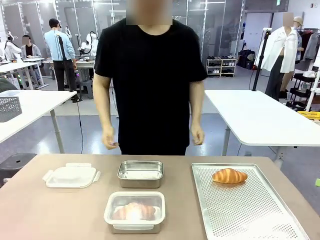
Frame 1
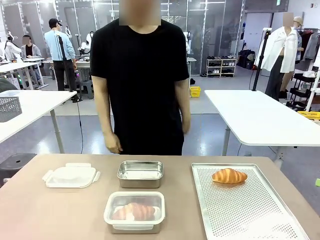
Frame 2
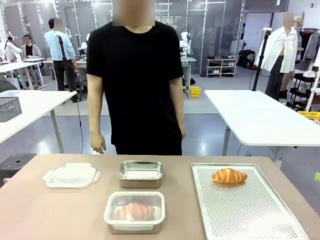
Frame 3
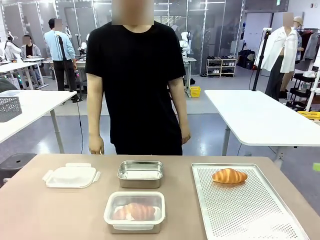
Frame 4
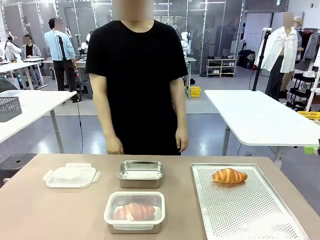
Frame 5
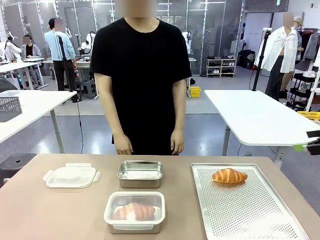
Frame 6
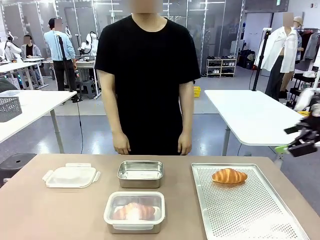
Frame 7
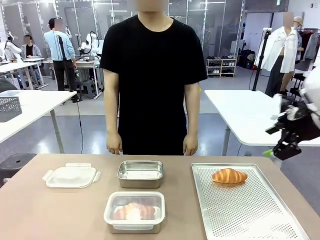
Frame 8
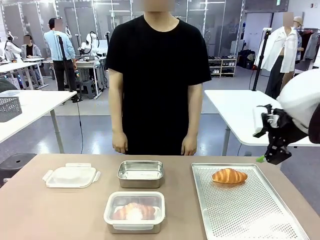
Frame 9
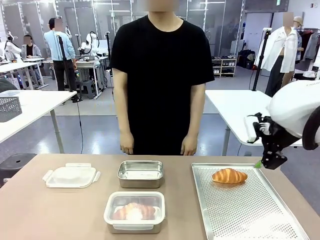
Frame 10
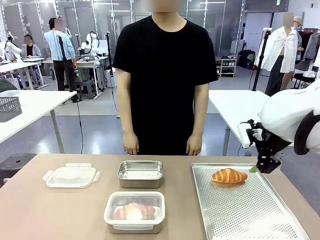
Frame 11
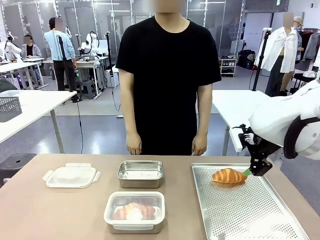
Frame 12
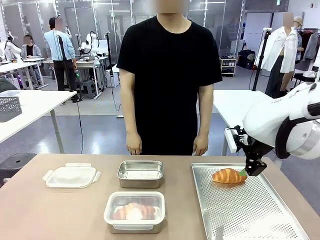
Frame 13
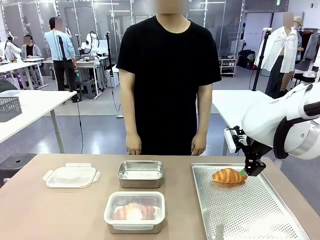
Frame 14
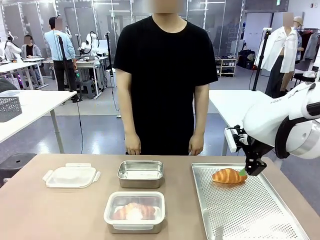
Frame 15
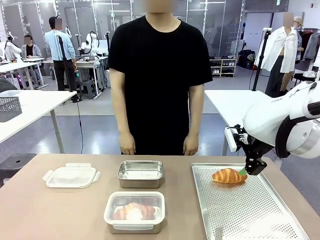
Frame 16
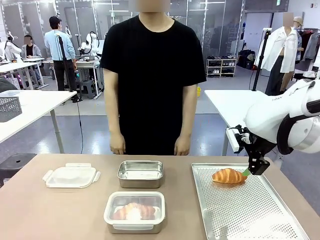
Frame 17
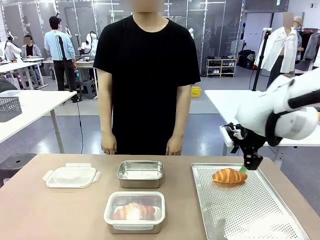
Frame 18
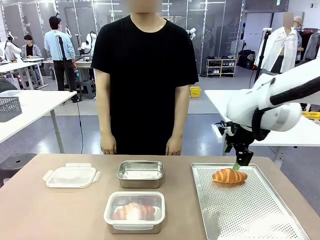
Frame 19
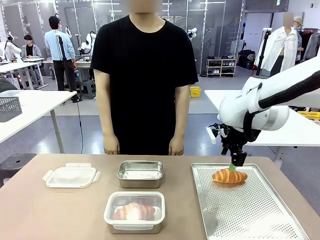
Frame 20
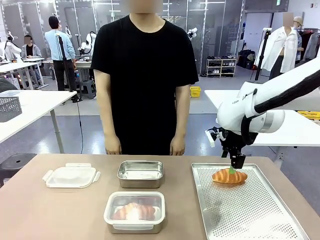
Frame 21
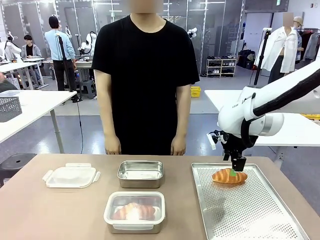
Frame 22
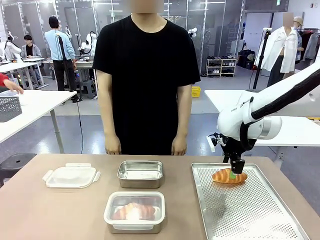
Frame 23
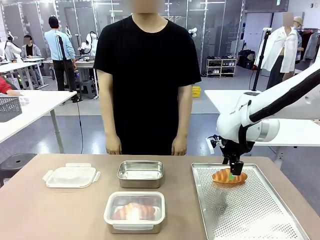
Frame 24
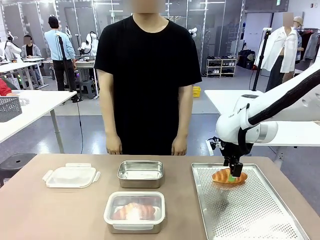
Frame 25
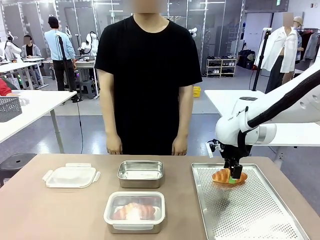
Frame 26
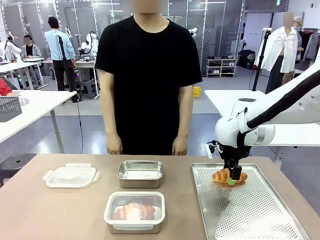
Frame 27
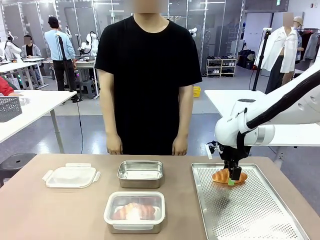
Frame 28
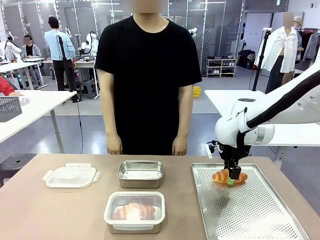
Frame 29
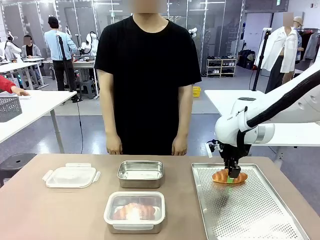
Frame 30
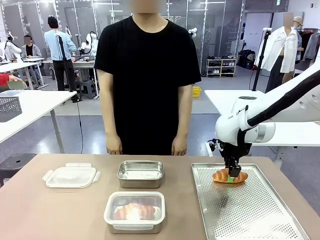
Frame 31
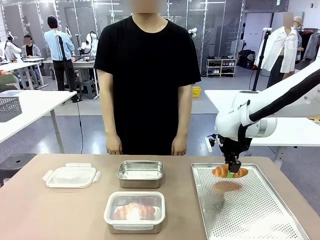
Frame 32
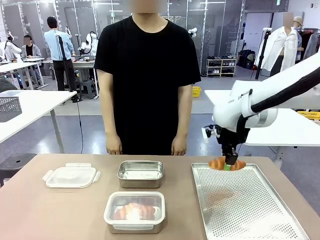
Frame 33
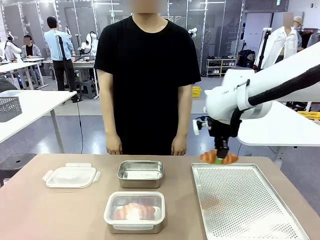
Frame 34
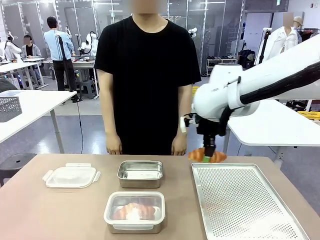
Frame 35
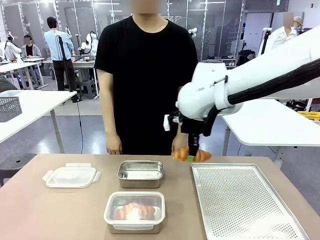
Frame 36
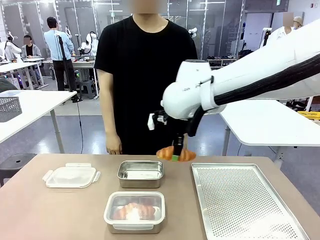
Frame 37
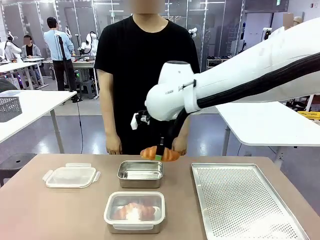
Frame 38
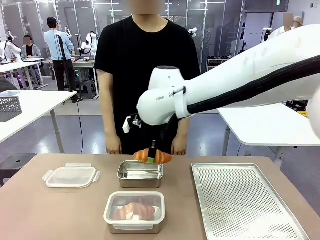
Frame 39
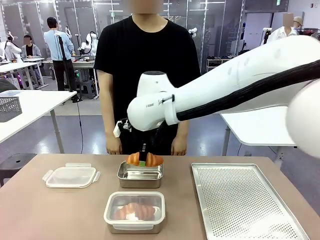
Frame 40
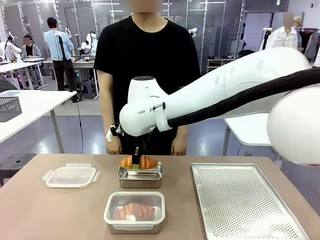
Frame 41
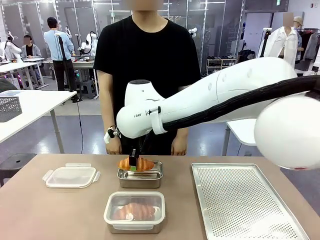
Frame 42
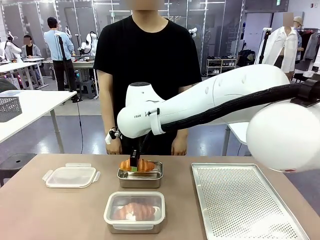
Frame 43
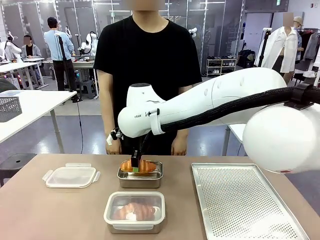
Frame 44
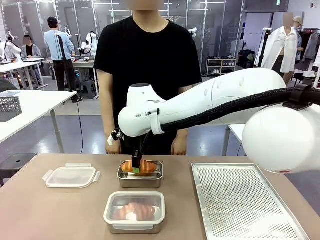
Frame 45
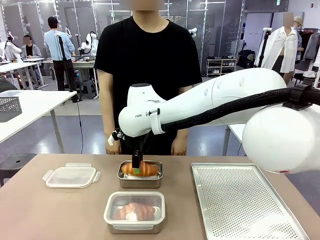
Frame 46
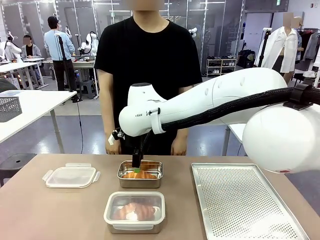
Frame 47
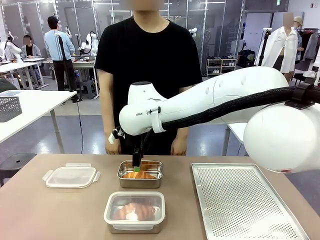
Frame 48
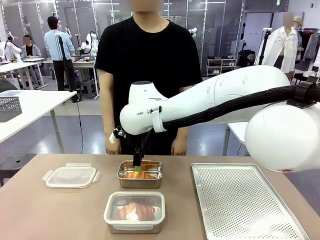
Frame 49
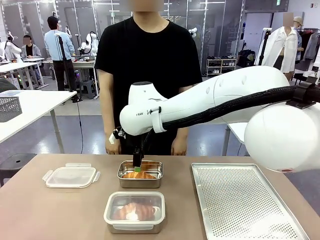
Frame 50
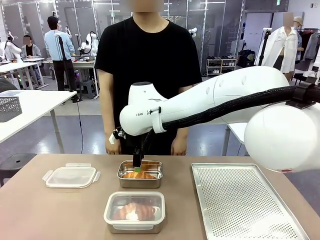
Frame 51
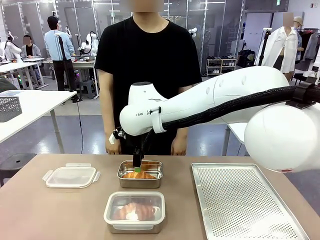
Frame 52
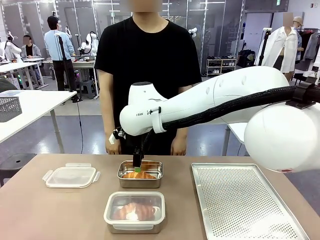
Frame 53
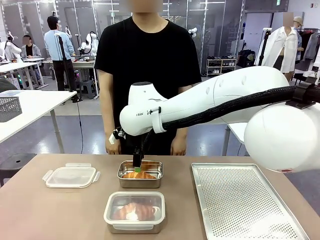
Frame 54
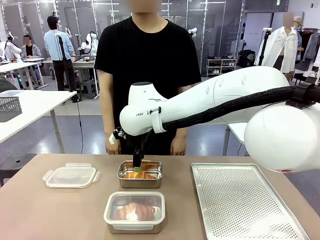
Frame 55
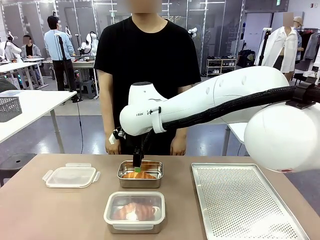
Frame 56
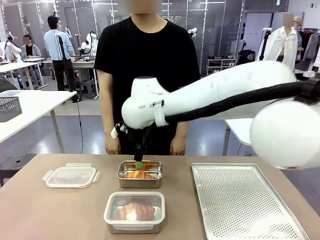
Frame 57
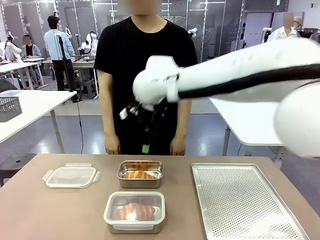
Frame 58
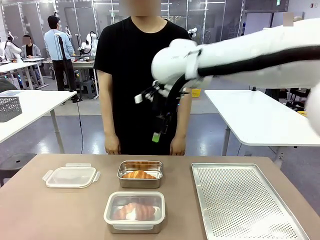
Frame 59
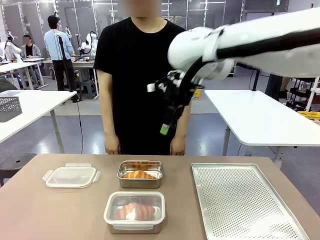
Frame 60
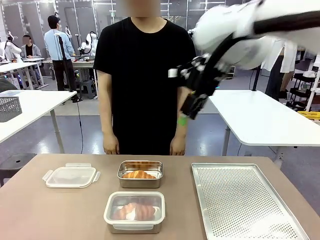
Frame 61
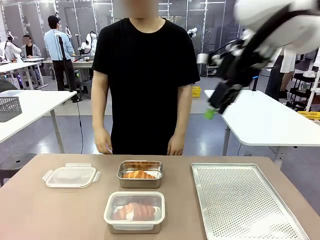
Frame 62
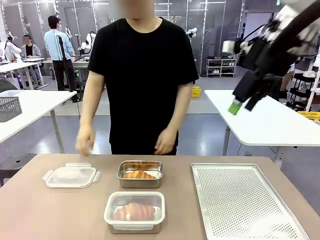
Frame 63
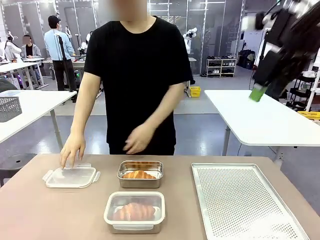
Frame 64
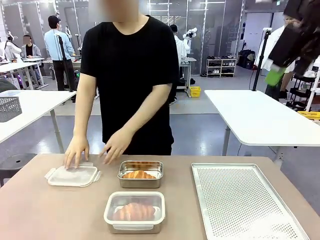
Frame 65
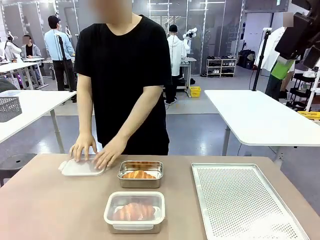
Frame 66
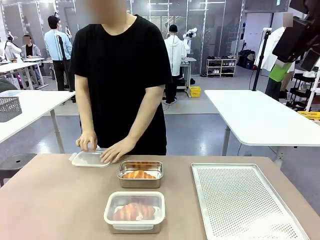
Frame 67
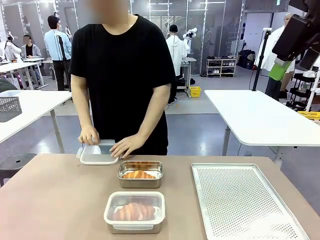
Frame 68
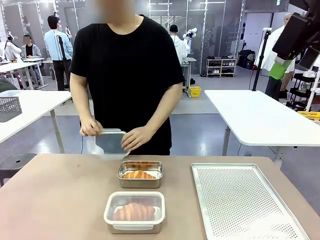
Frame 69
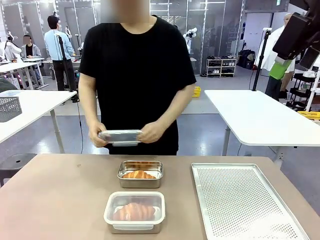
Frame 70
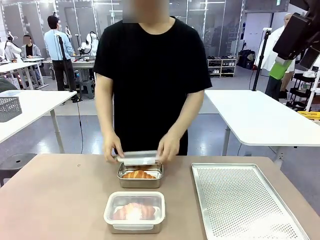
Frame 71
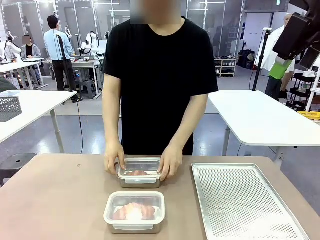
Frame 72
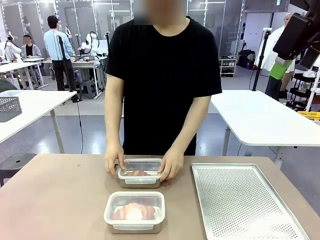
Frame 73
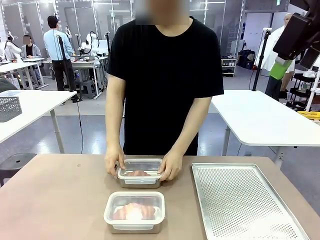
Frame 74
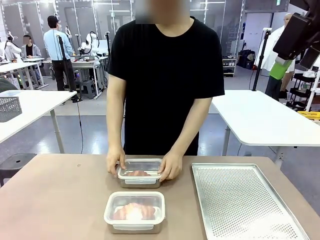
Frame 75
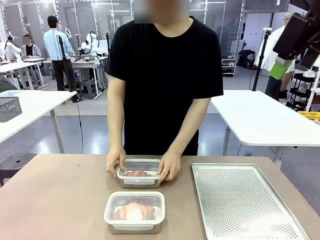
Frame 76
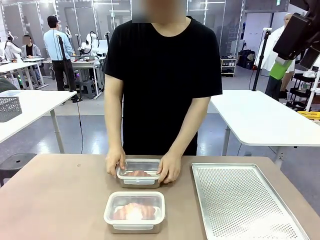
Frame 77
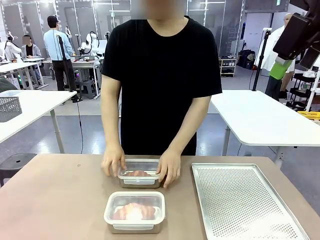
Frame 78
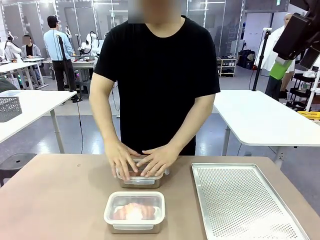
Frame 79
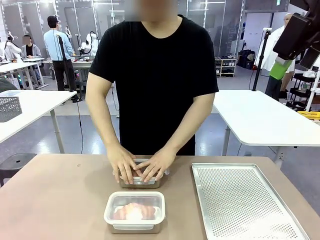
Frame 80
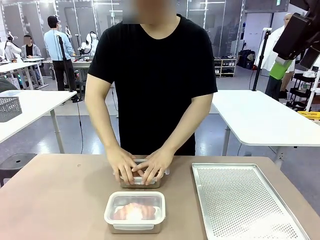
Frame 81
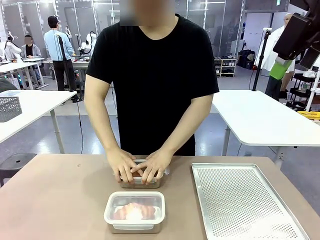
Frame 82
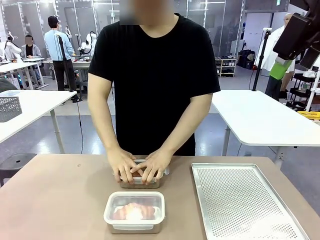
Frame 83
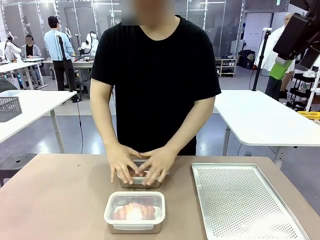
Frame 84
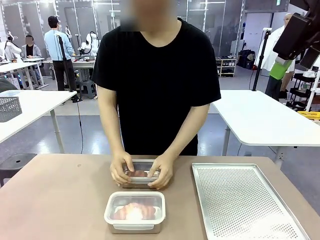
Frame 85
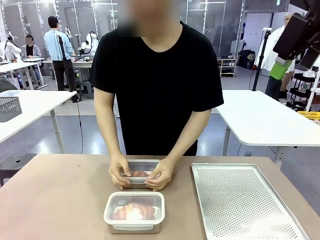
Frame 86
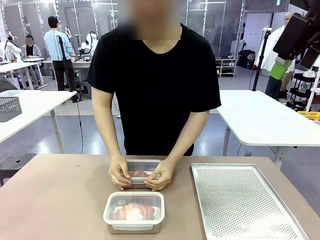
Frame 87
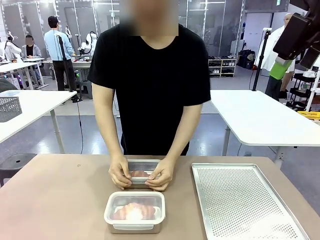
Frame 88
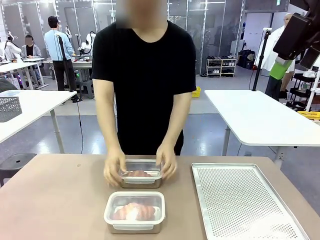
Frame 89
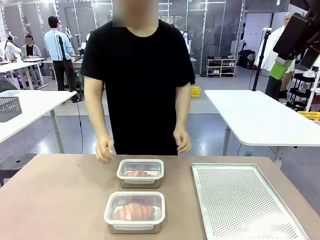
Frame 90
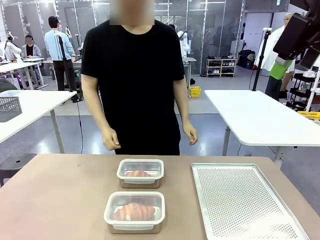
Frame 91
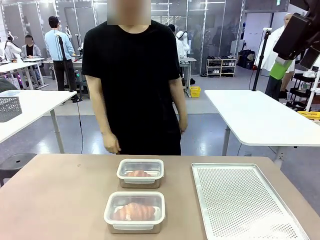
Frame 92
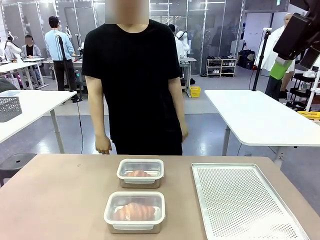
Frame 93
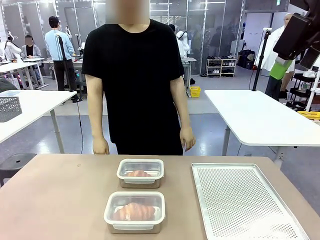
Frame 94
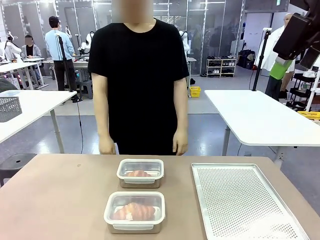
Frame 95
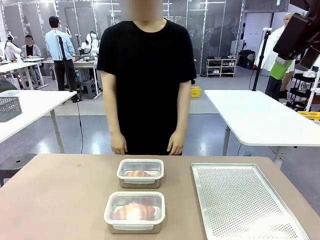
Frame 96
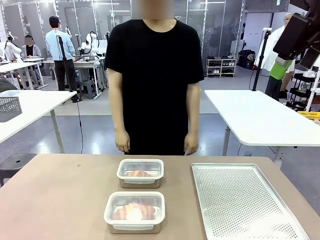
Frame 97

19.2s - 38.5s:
Task: Place the bread into the airtight container.
Robot: Pick up a Butter Roll and place it into an empty Airtight Container.
Person: Once a Butter Roll is inside an Airtight Container , close the lid of that Airtight Container.
